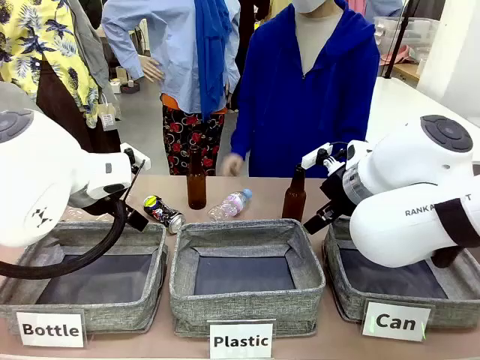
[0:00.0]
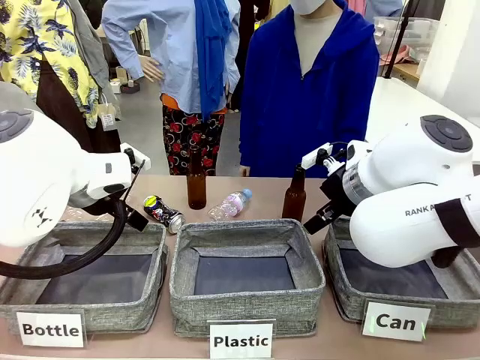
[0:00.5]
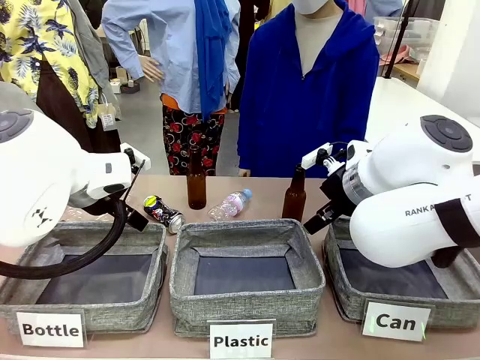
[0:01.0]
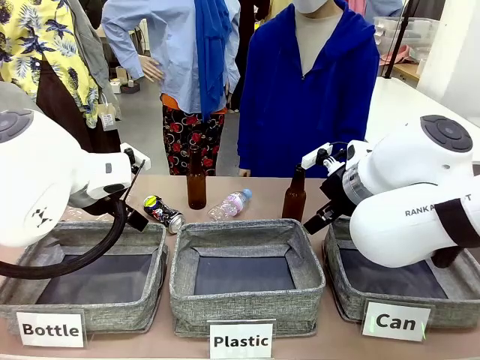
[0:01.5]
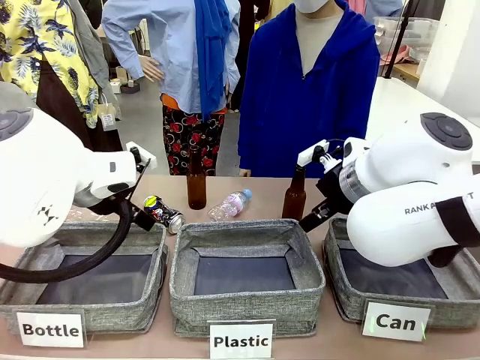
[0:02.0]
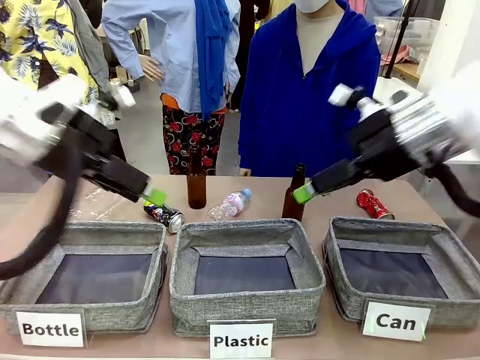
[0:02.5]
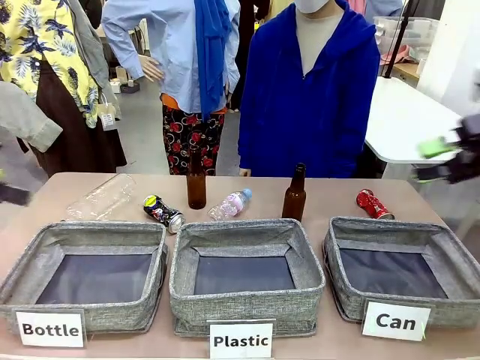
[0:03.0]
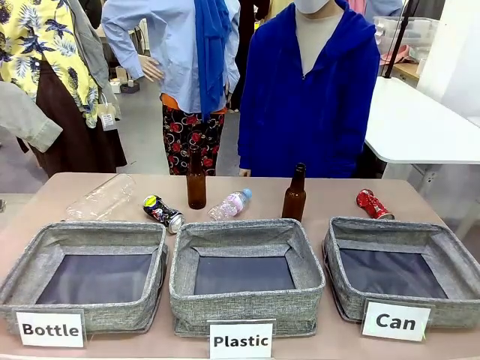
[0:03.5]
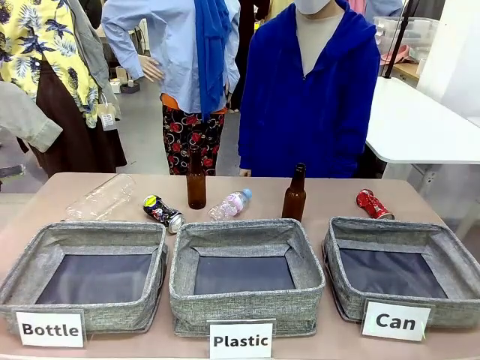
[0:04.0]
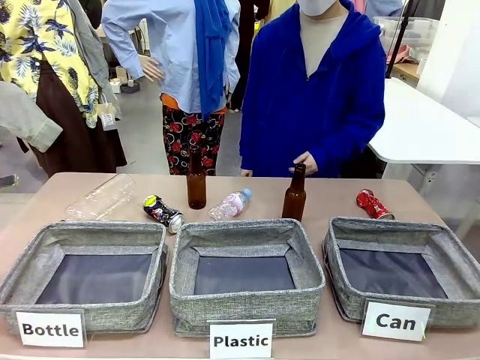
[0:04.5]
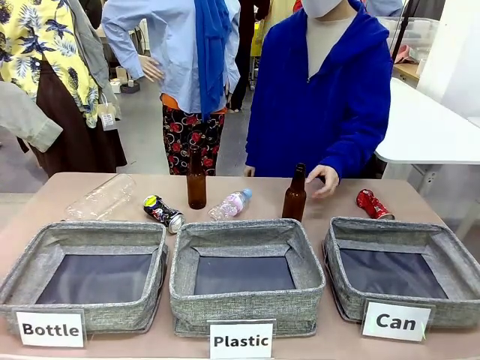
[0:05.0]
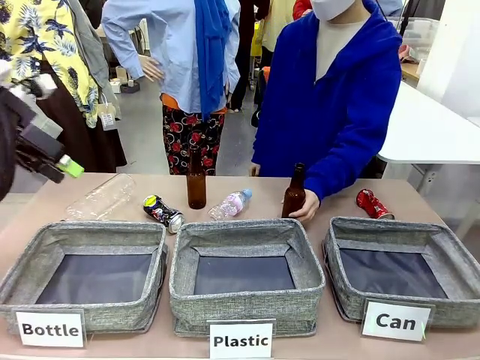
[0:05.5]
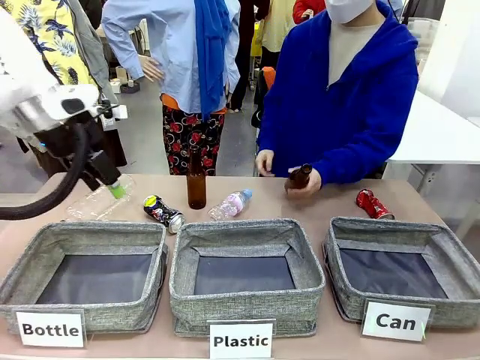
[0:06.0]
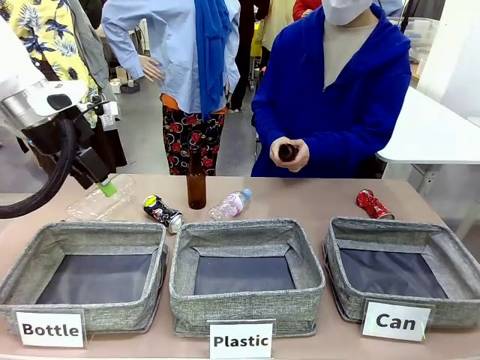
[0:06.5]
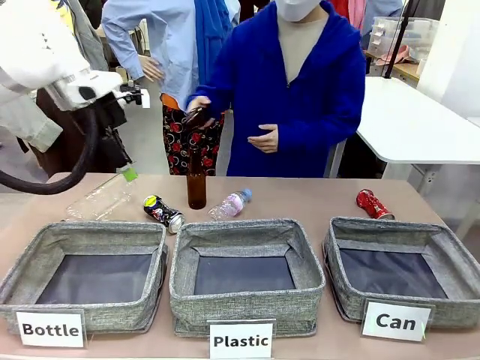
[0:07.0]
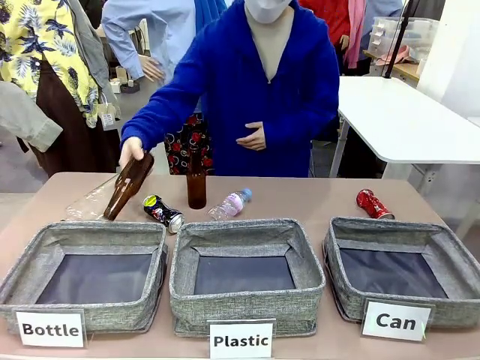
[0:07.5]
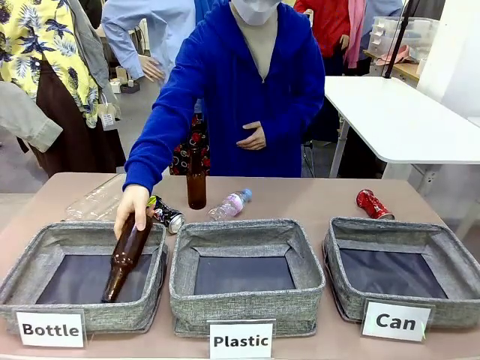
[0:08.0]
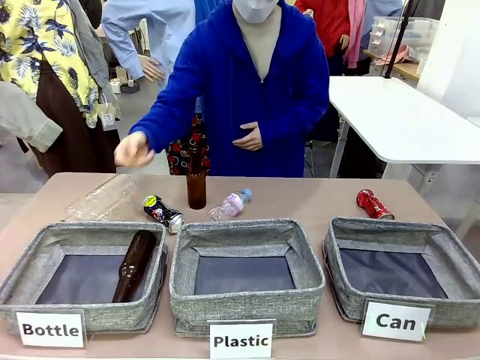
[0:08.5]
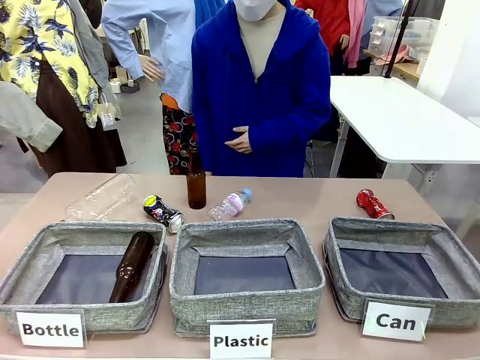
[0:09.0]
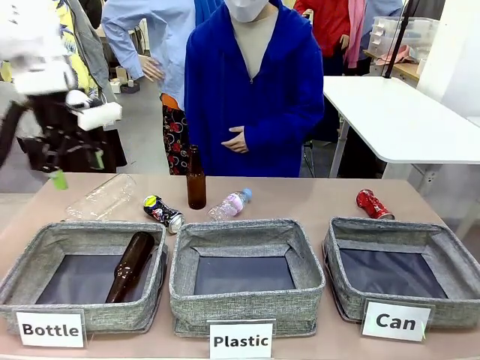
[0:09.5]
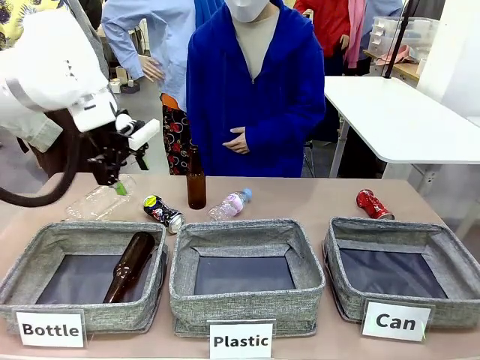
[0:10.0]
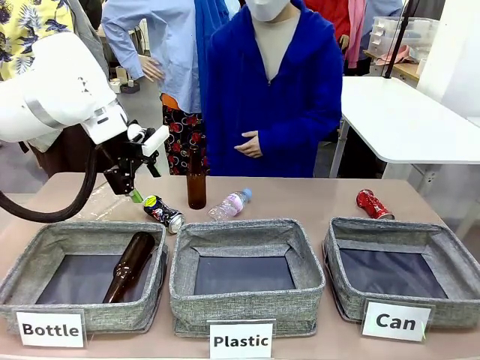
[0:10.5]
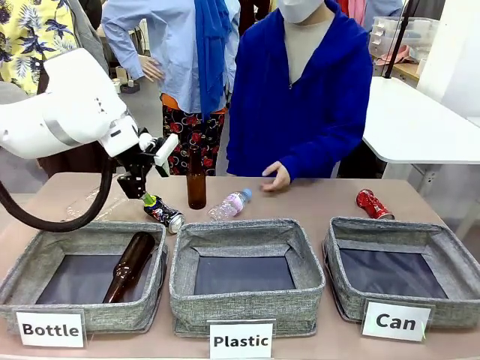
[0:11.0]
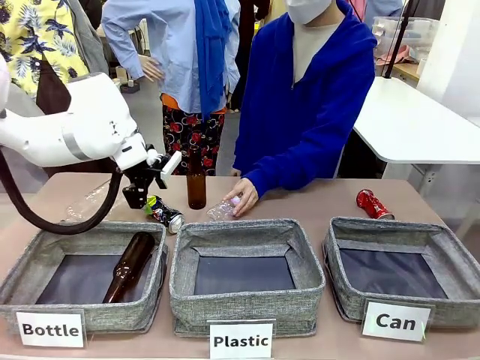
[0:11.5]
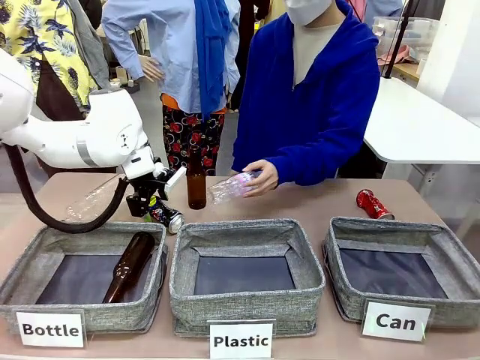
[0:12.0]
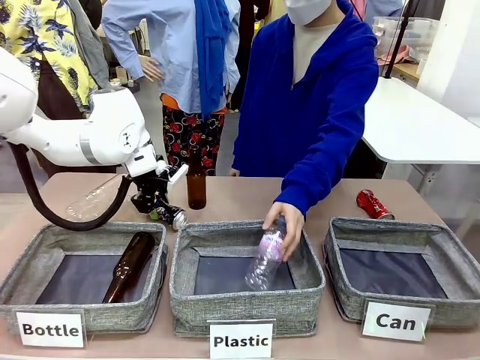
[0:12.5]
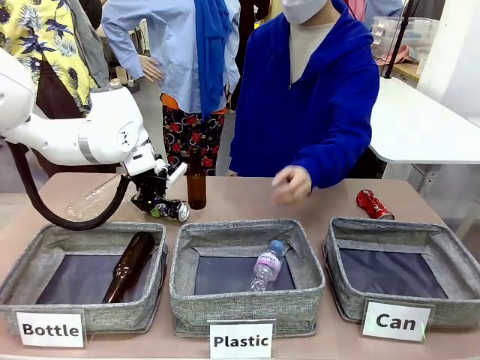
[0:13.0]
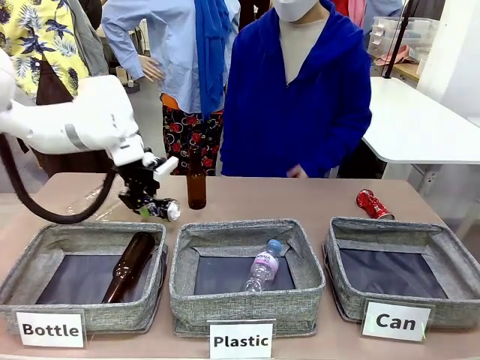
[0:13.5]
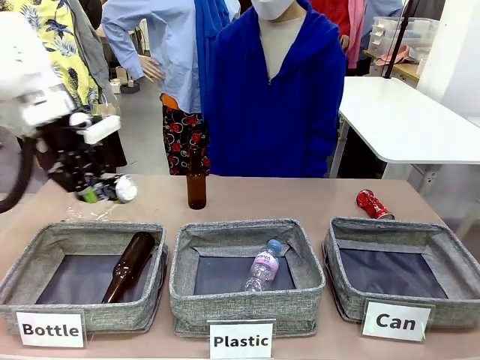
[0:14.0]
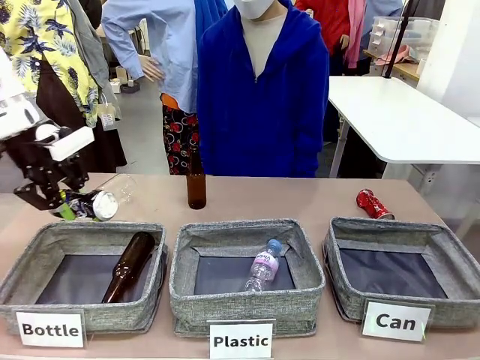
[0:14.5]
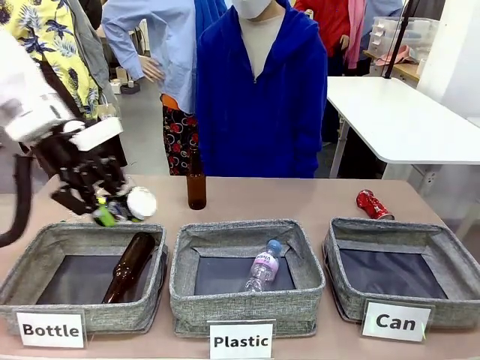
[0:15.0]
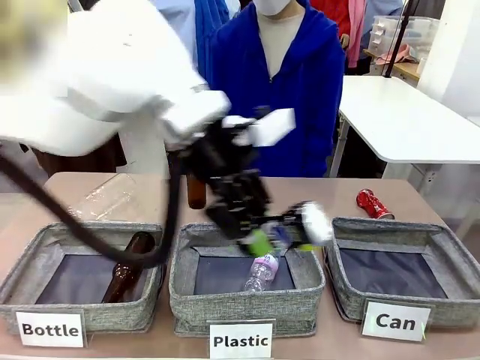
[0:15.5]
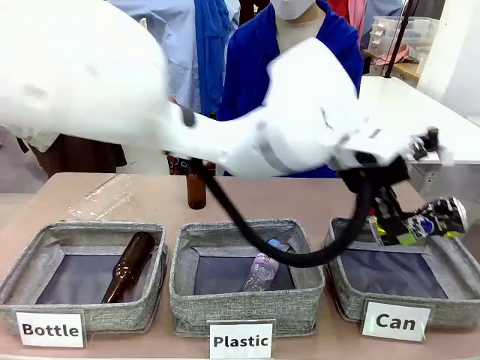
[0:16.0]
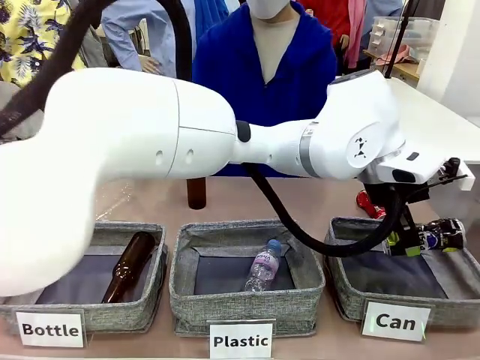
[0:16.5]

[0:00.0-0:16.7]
Task: Sort the can waste into the basket.
Robot: Pick up the can waste from the table and place it in the right Fabric basket.
